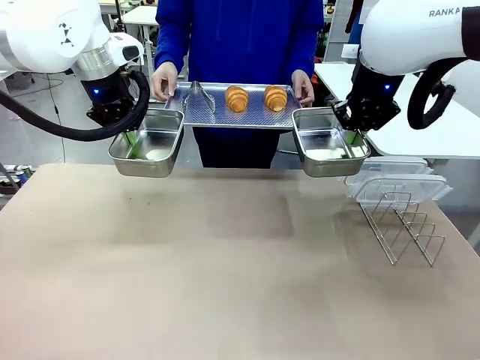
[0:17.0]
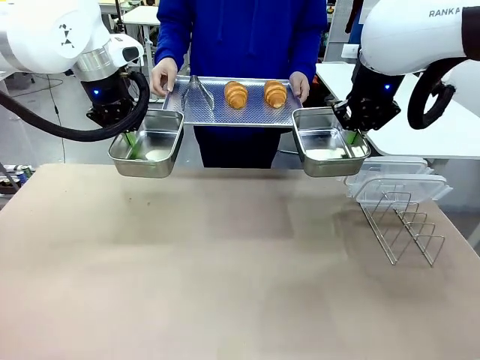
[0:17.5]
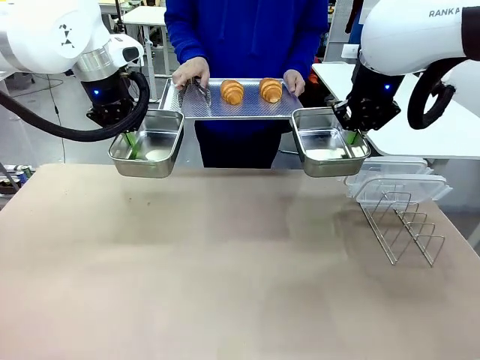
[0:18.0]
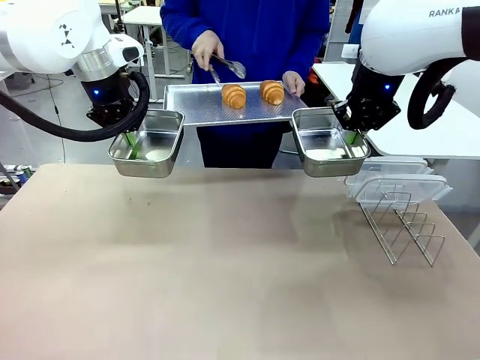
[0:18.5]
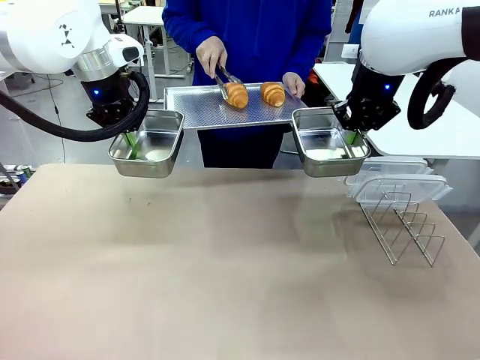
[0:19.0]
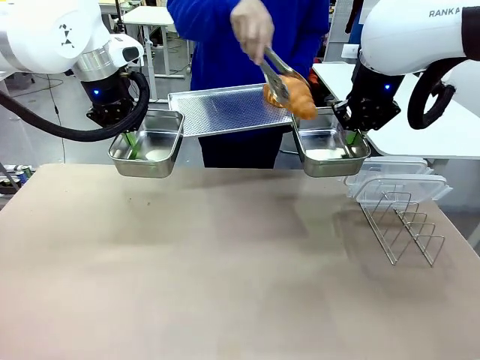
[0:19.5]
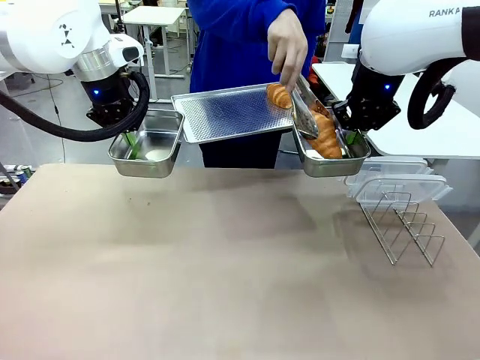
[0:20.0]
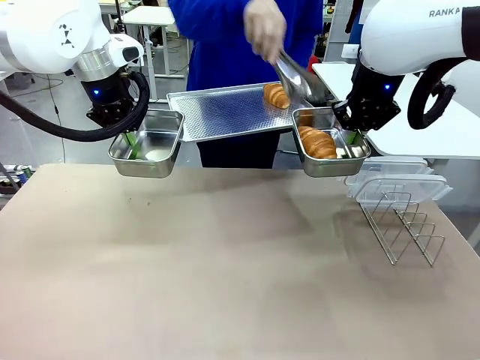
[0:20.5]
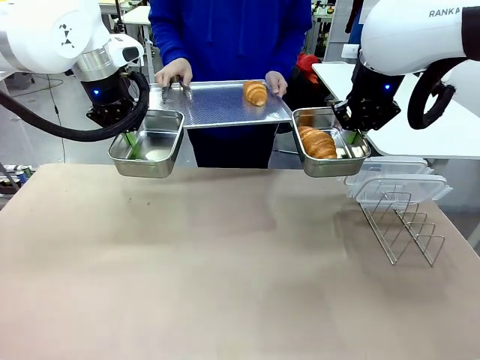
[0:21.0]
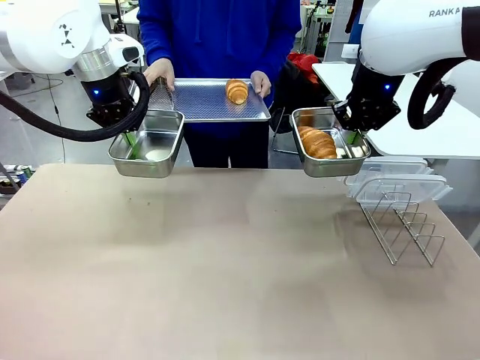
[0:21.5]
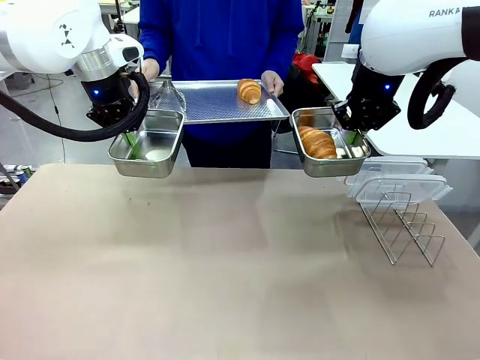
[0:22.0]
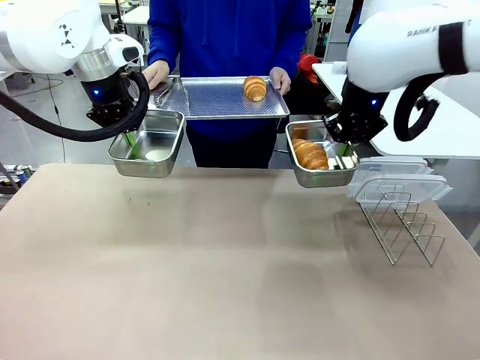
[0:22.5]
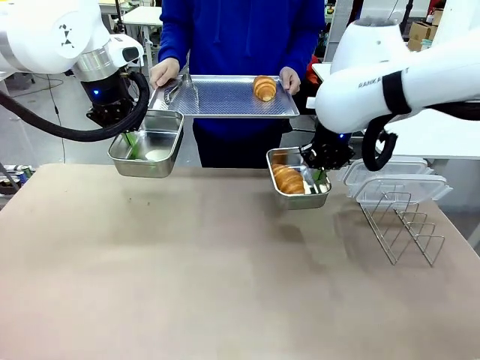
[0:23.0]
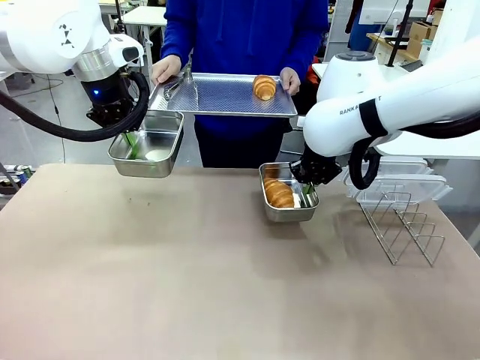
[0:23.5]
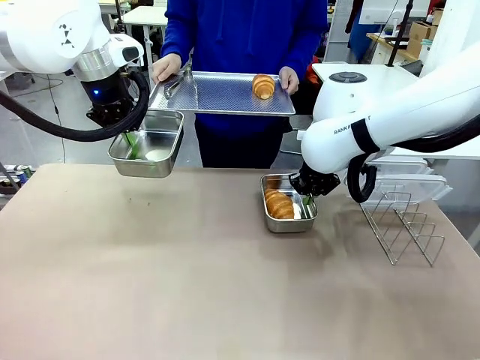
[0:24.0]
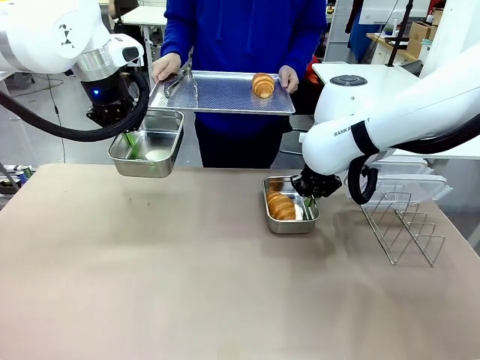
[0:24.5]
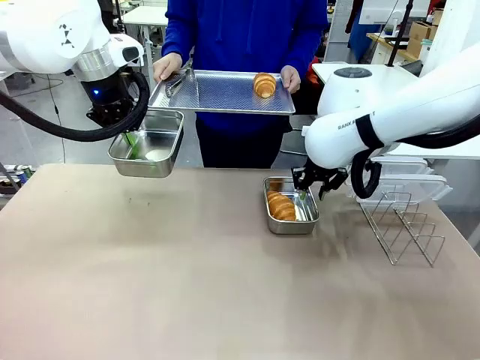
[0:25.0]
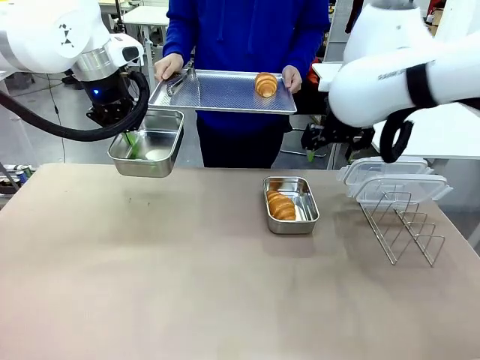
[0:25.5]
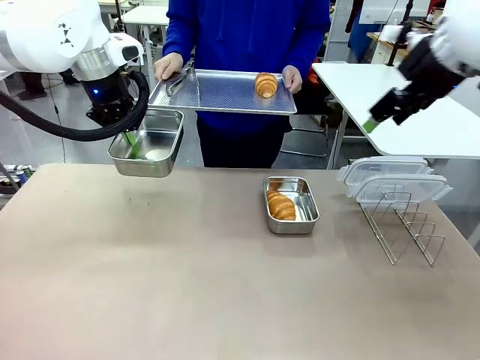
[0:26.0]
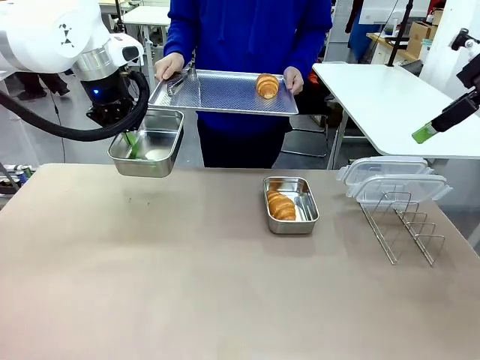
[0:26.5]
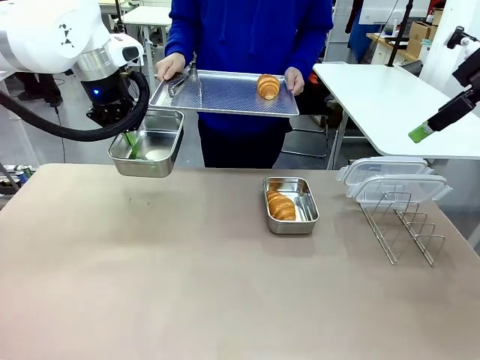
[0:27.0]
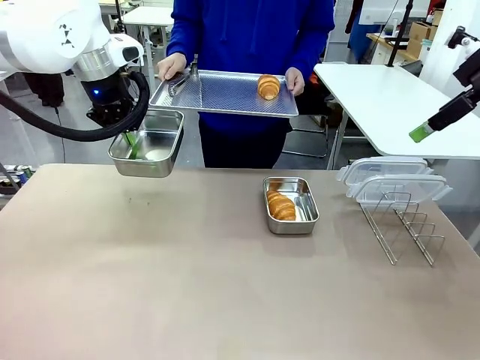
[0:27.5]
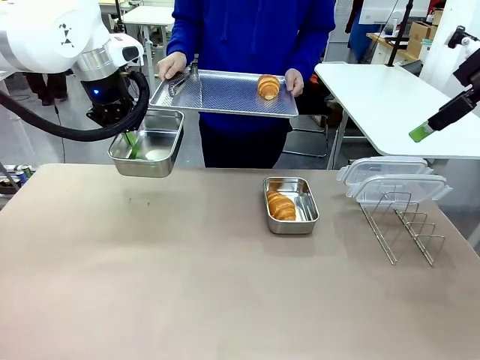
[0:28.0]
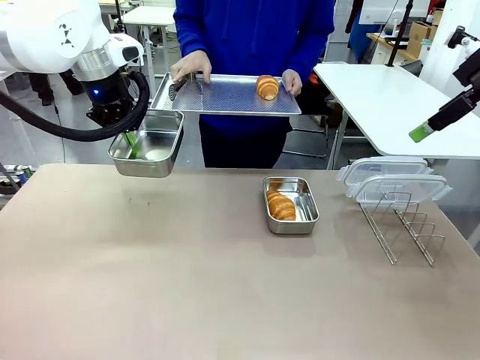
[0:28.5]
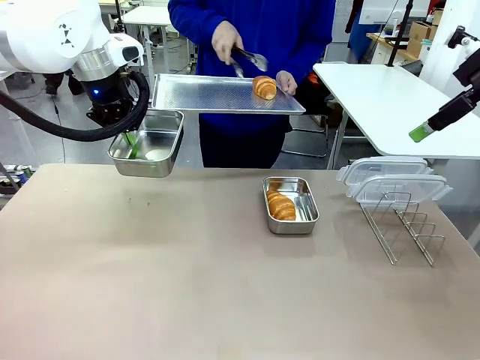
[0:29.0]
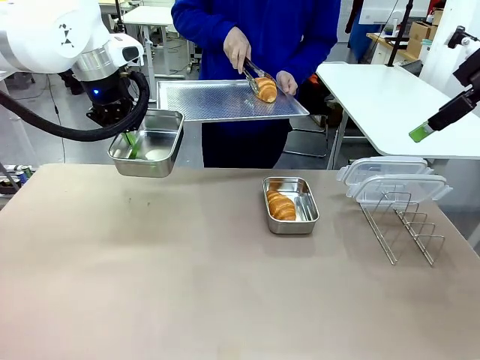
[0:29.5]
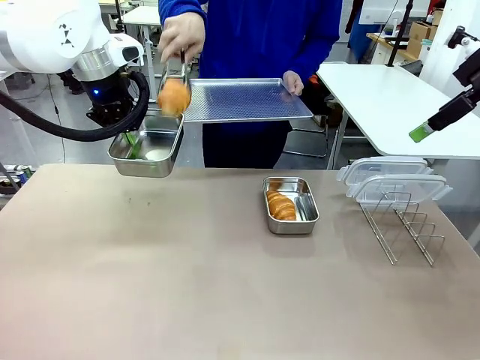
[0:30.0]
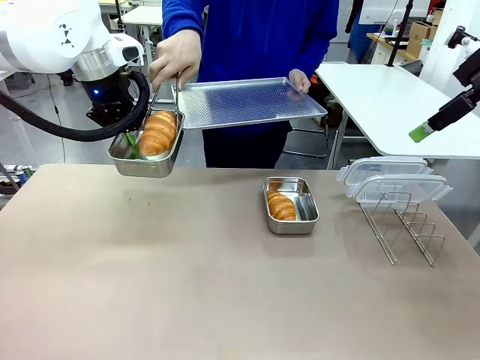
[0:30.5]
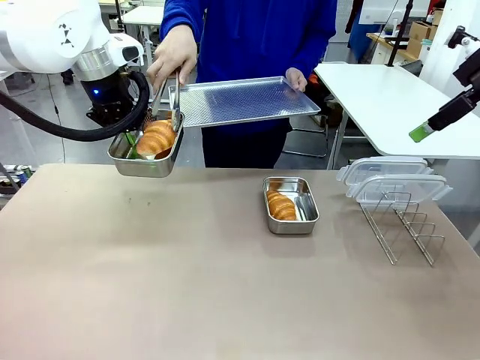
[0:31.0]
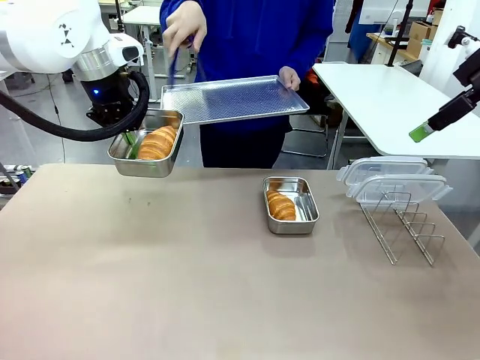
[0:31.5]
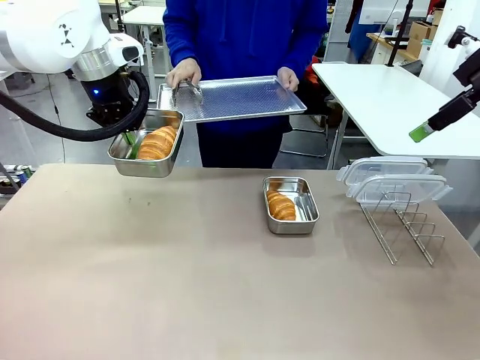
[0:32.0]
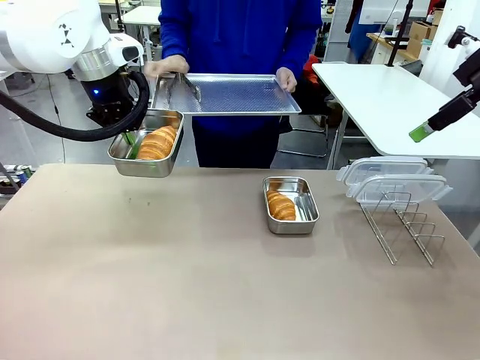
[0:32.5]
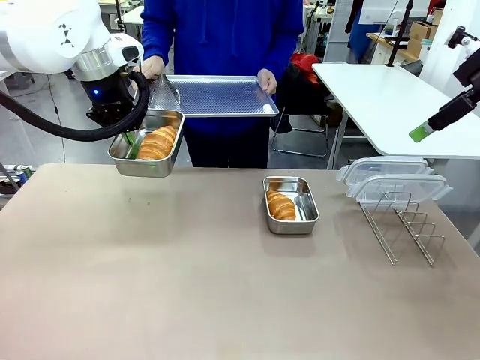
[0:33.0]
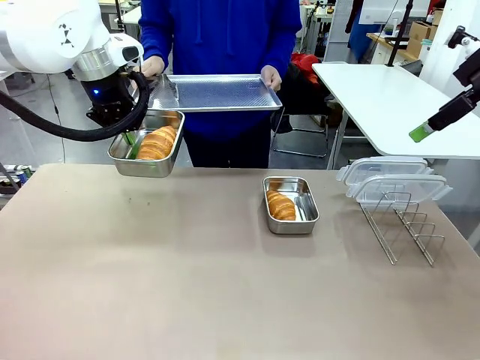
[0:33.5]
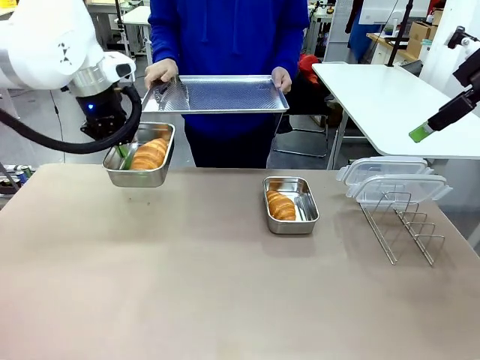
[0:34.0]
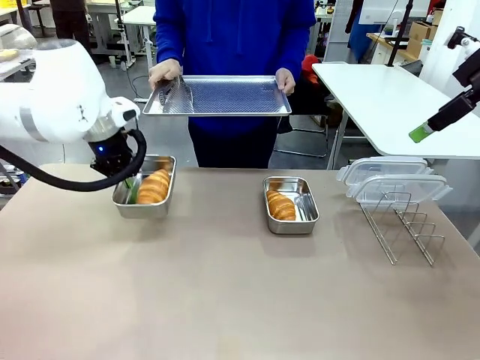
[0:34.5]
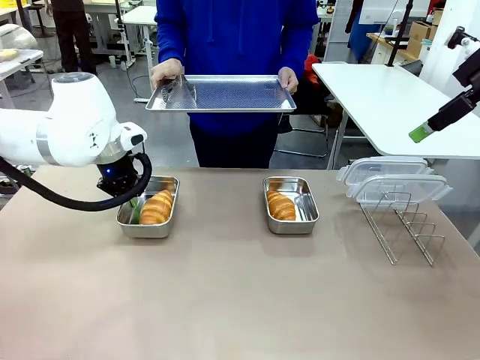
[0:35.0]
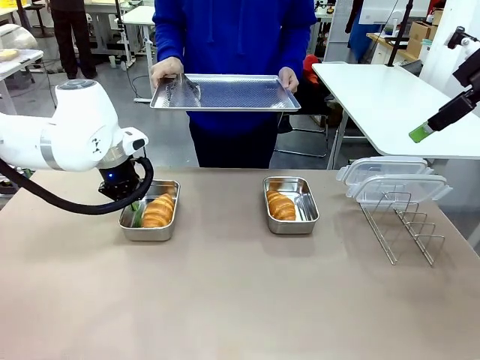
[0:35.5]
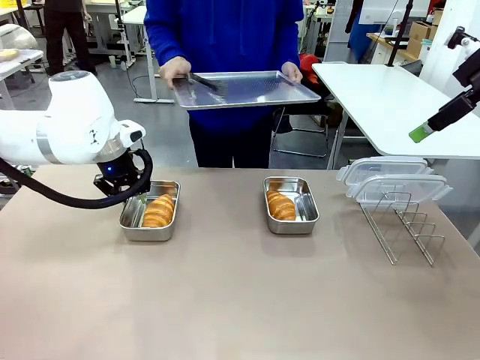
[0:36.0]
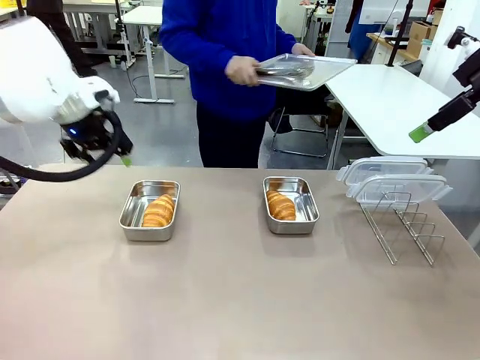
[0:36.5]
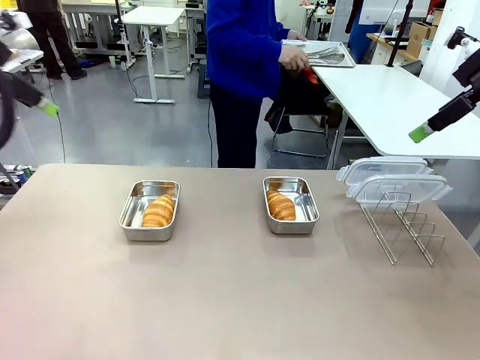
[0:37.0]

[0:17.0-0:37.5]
Task: Place the bread in airtight containers.
Robot: Once an object is inside an Airtight Container , place the container in the center of the table.
Person: Use the Stainless steel tongs to place one object from Baking Sheet into one Airtight Container. Place Baking Sheet on the Human's Table.

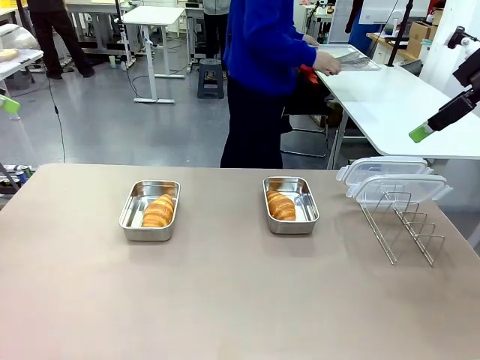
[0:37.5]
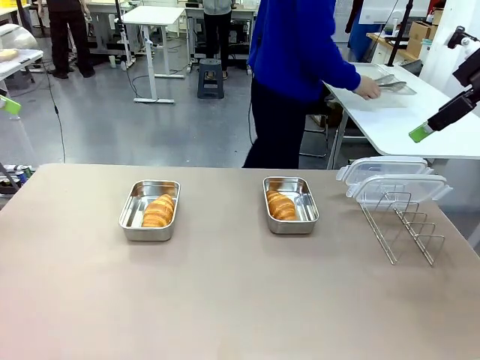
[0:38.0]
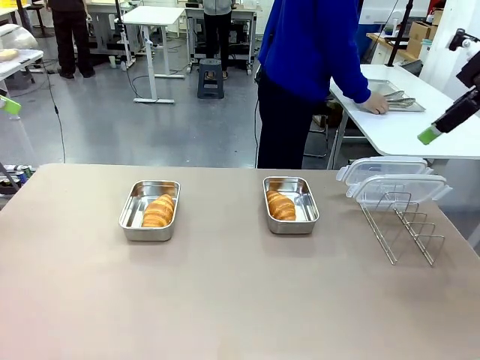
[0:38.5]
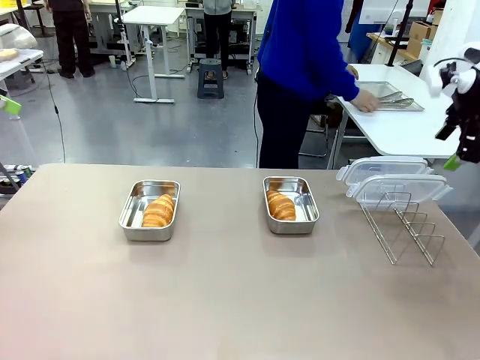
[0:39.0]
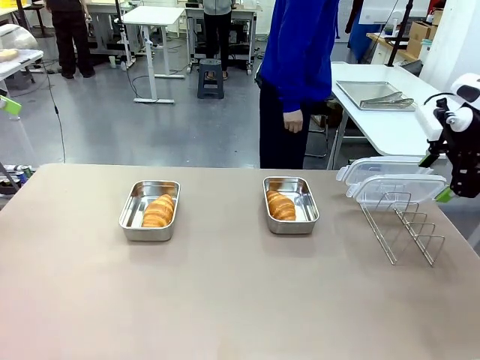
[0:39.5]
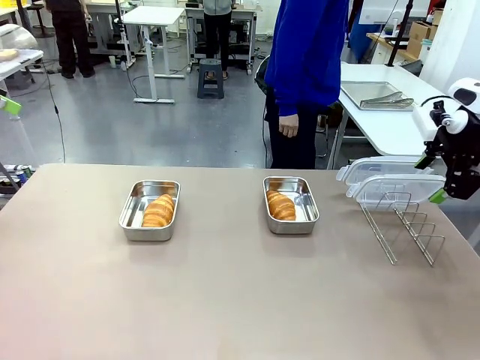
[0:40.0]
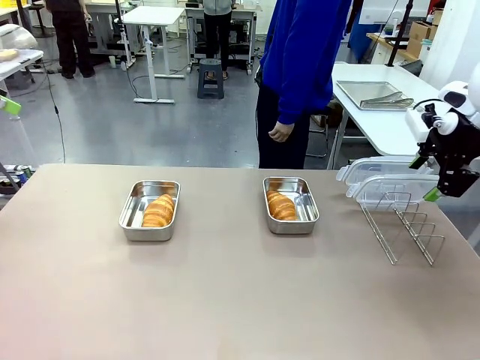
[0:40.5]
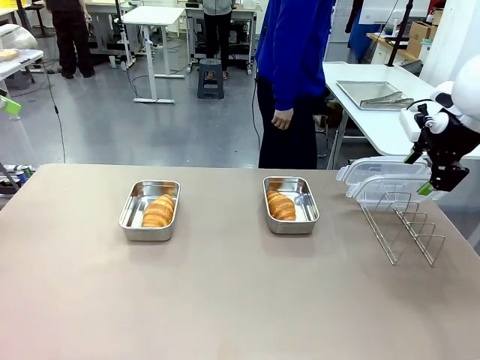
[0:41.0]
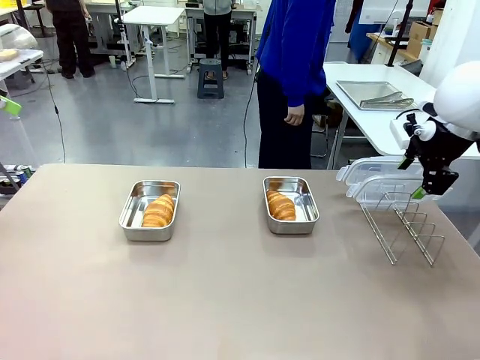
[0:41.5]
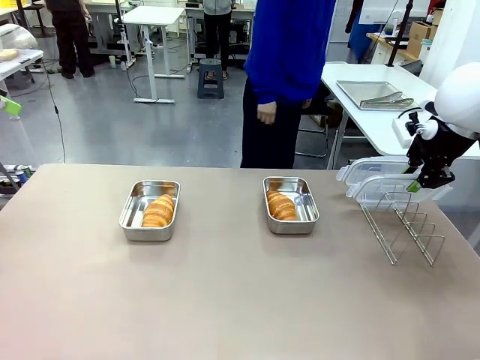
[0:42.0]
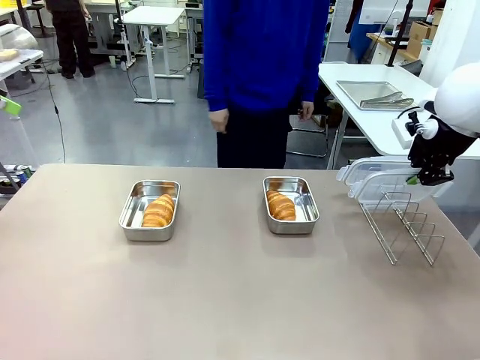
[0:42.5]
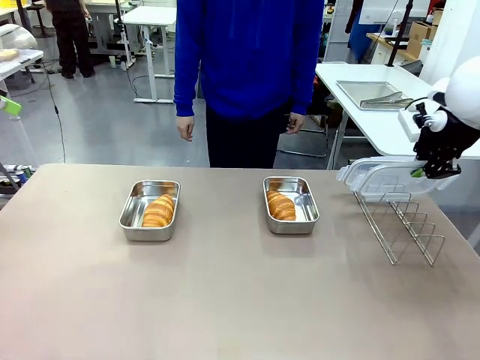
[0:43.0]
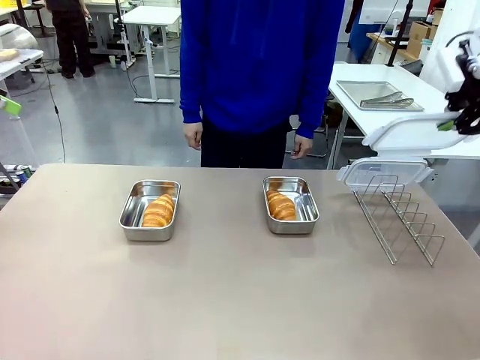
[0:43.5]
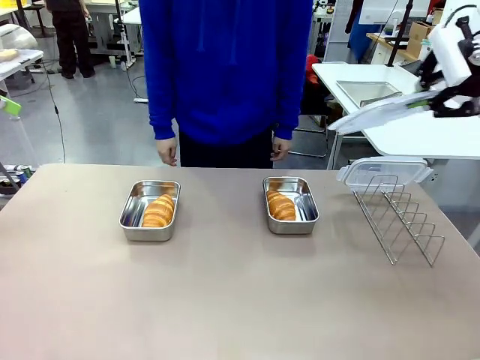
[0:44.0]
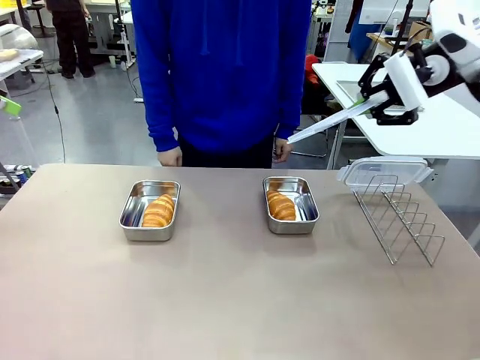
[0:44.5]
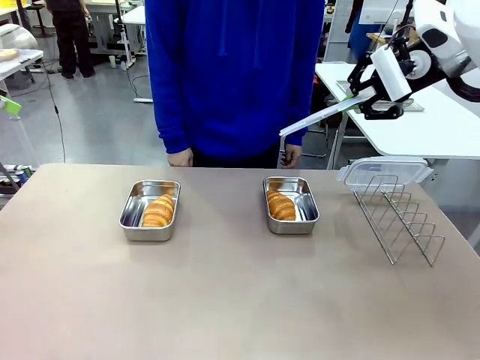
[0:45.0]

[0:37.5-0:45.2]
Robot: Pick up one Airtight Container lid and hand it to the human.
Person: Grip Airtight Container lid that robot is handing.
